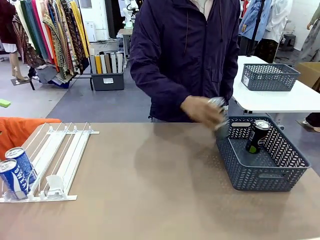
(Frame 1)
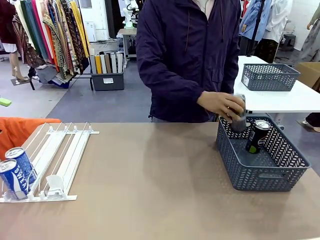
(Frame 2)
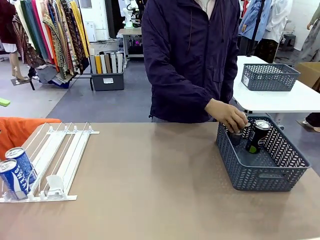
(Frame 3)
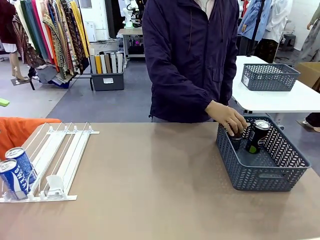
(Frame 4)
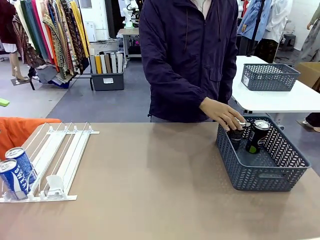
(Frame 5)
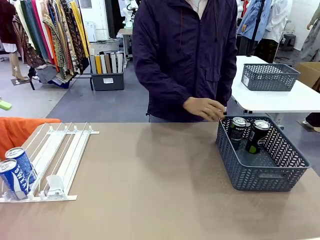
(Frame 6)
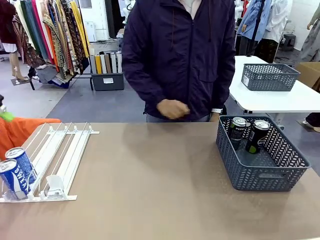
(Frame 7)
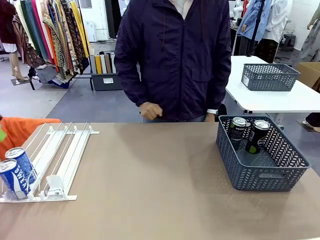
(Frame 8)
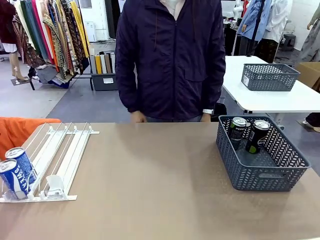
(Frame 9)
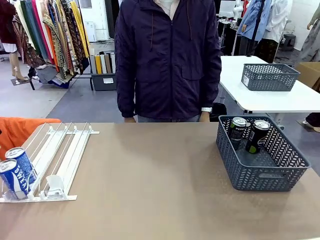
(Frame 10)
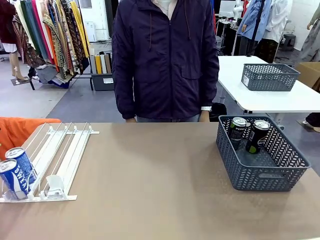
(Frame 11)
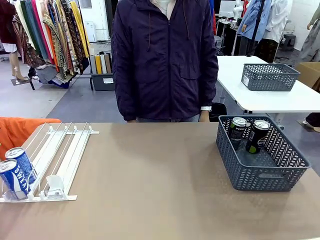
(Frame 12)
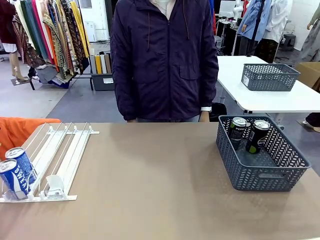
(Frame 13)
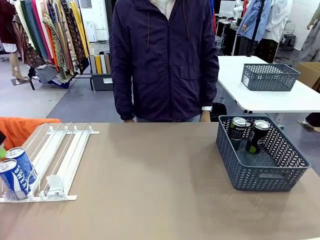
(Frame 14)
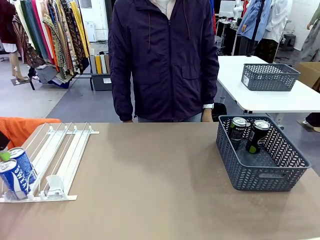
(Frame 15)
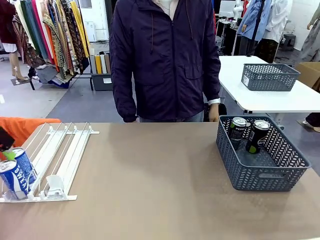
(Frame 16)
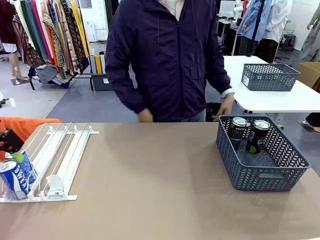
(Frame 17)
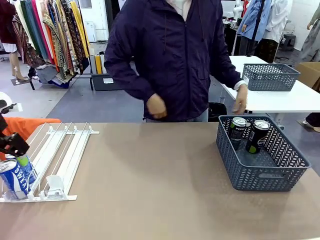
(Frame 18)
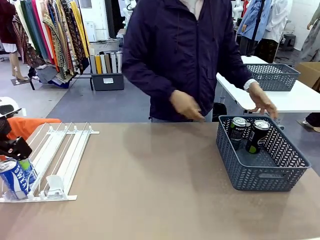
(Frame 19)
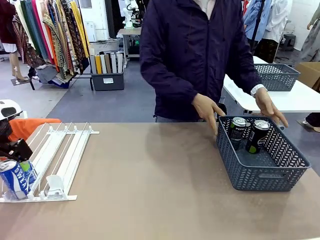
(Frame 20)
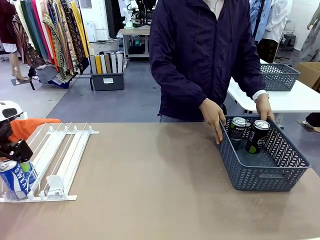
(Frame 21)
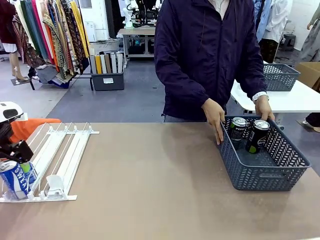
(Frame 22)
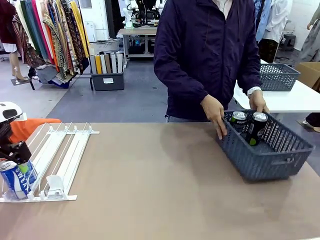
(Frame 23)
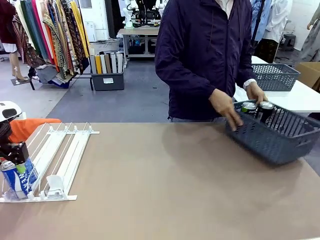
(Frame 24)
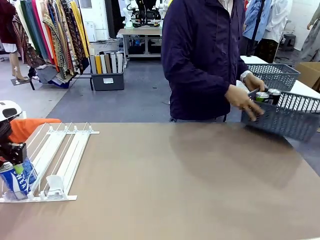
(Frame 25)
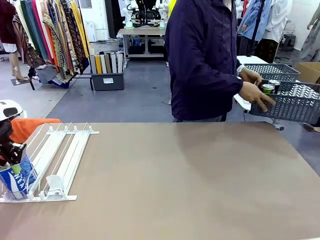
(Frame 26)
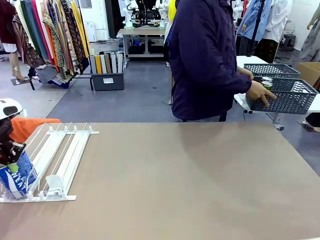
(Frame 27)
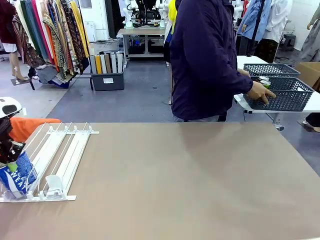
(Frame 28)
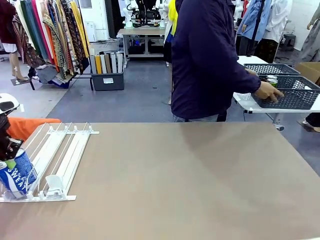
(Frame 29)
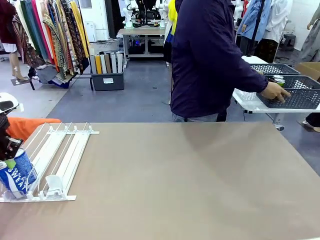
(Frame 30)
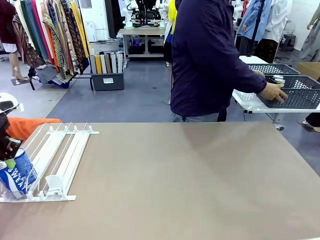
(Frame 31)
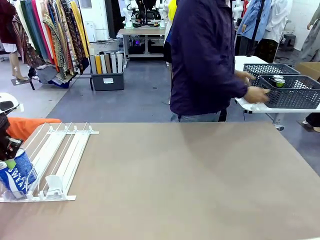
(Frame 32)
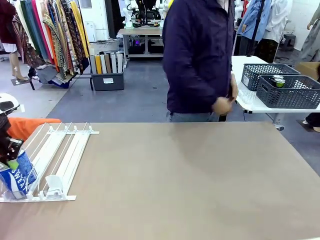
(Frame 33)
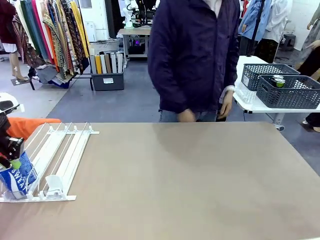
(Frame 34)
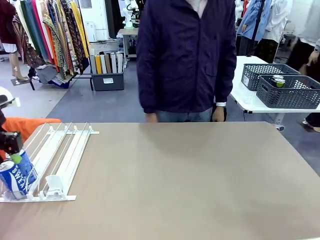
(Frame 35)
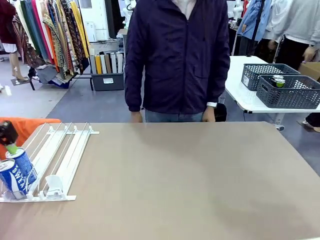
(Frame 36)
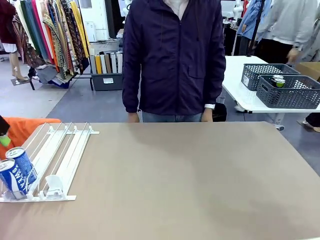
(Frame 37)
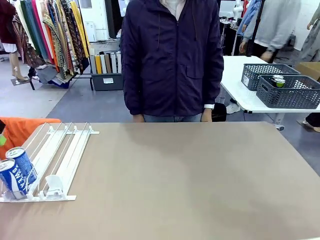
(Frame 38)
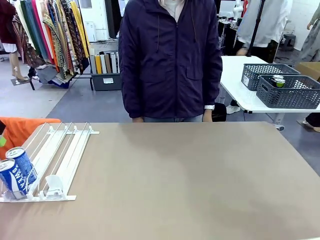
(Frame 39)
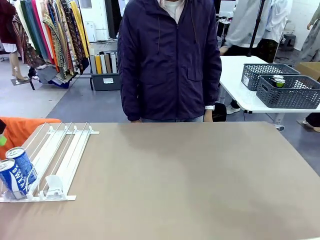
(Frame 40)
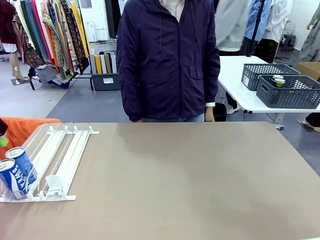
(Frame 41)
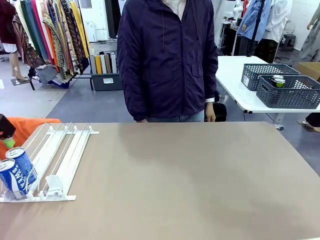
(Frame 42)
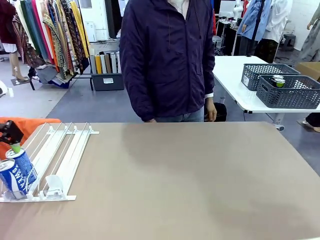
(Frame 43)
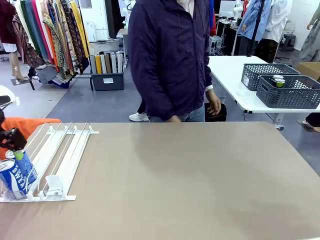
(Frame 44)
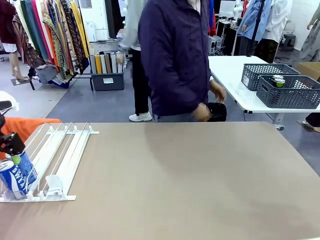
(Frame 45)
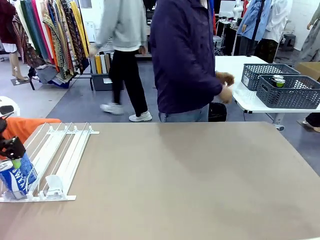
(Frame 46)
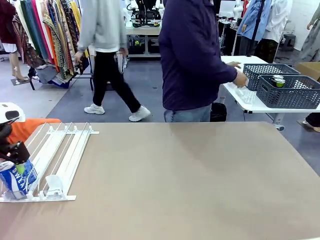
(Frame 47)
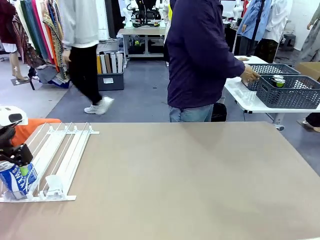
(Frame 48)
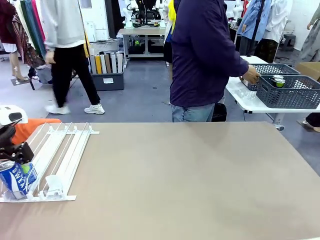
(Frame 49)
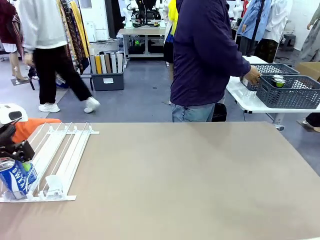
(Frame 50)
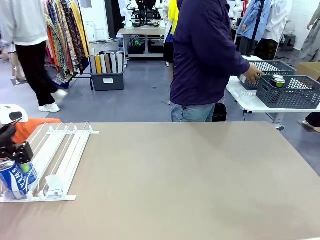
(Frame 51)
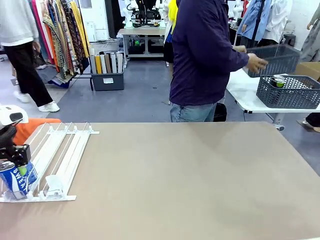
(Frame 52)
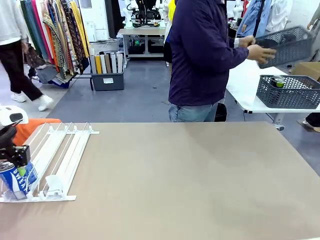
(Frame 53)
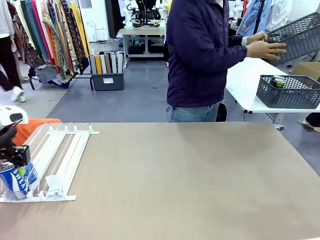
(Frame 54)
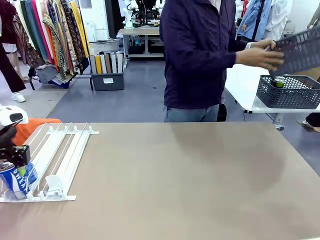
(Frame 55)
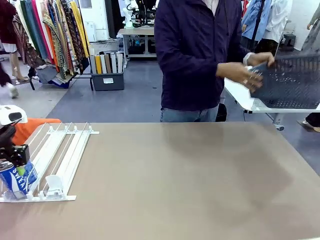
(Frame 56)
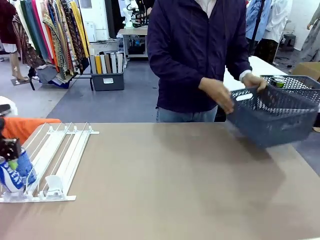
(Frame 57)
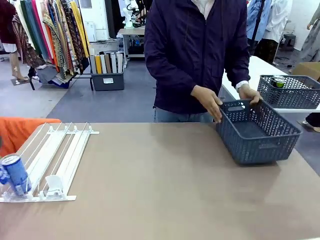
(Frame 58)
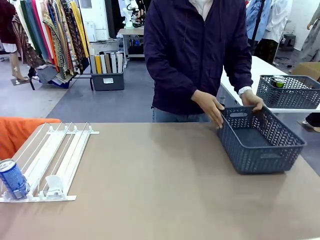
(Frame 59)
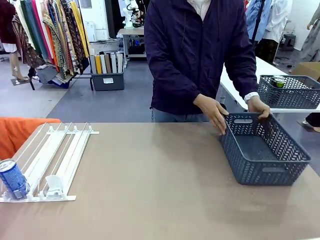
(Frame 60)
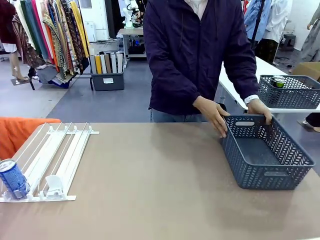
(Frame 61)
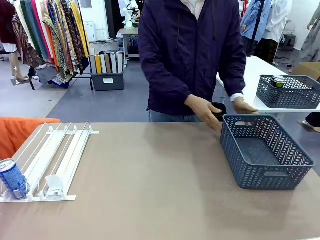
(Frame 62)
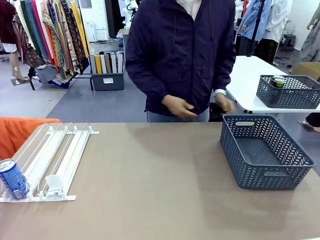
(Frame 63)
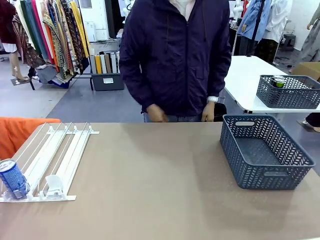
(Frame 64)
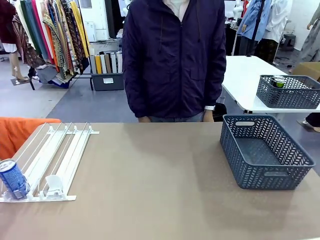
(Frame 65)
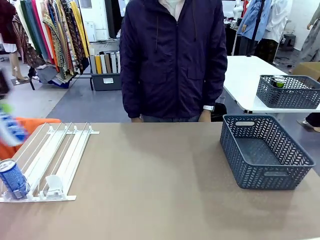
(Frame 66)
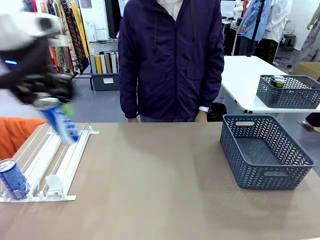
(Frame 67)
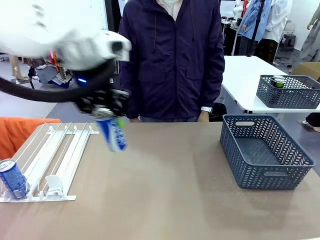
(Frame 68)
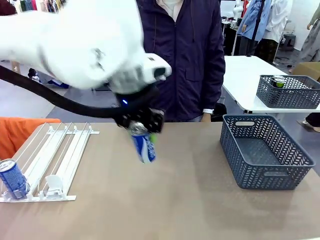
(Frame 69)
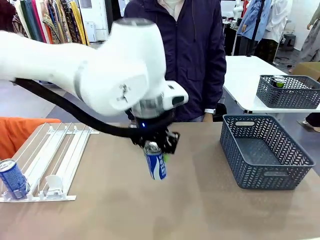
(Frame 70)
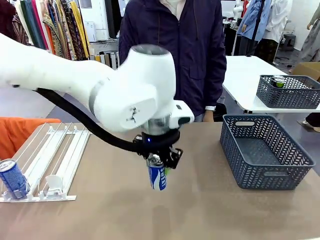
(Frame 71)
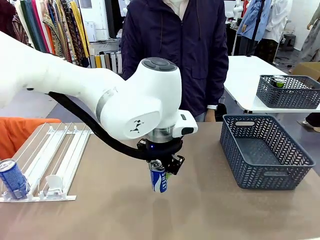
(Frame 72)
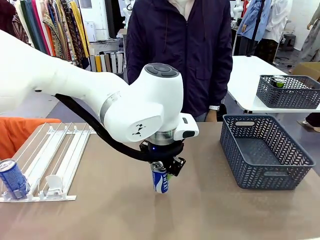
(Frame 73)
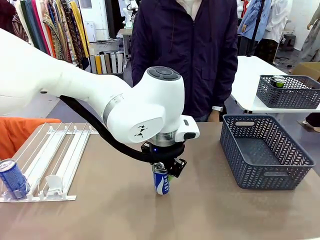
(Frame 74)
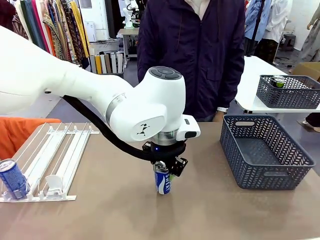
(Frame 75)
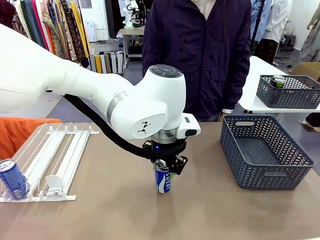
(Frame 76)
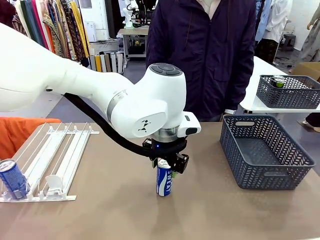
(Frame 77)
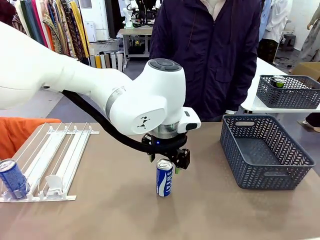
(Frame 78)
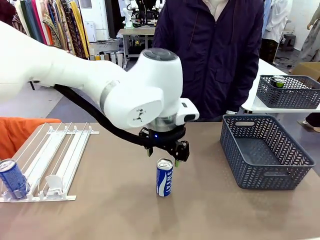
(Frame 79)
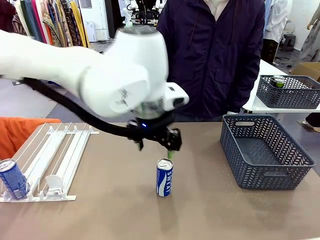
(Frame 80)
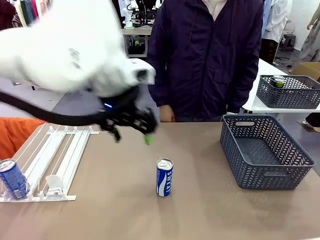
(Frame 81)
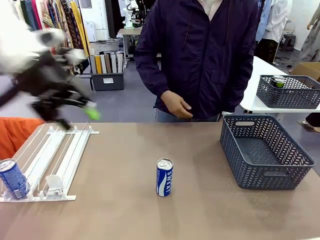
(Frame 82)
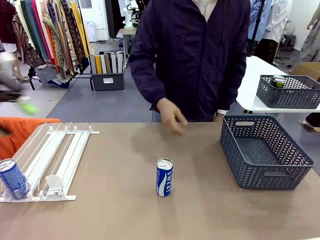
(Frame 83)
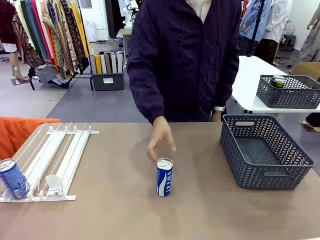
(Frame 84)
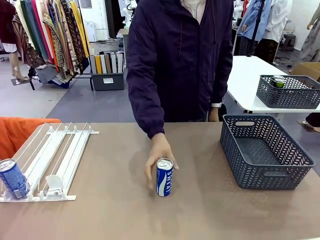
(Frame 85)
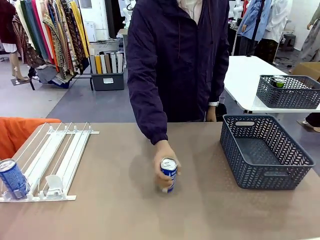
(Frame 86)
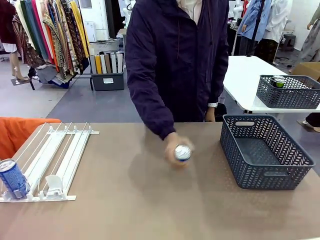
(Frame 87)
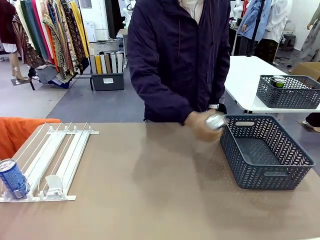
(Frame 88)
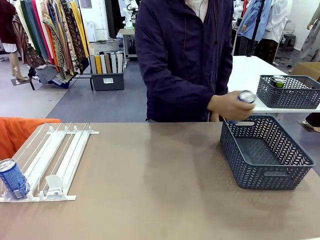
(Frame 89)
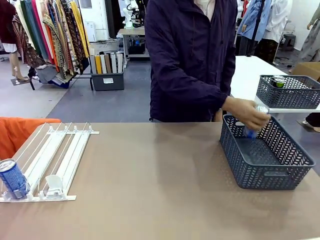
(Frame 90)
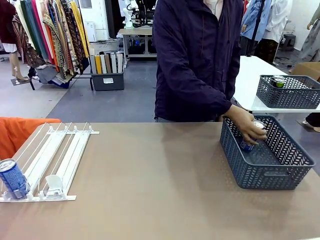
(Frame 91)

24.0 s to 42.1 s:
Task: Retrieve and store the cans from the dispenser.
Robot: Pick up one can from the Automatic Can Dispenser and place it in the middle of the table.
Person: Pick up the basket and place it in the middle of the human table. Pick up the empty basket and place it on the left side of the robot table.
